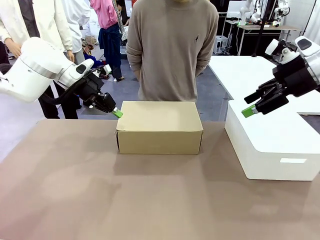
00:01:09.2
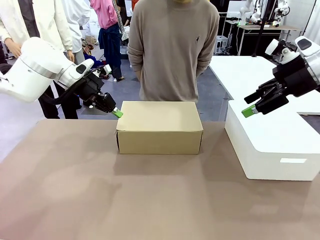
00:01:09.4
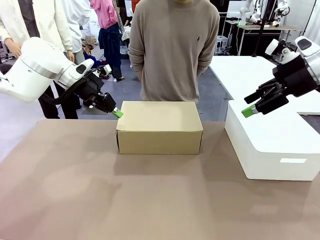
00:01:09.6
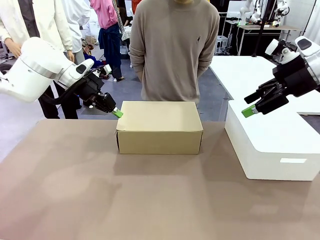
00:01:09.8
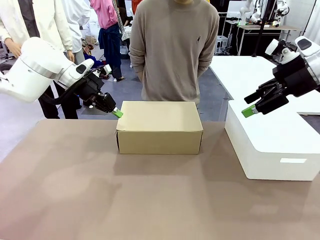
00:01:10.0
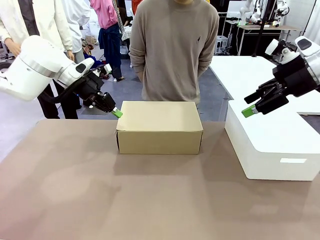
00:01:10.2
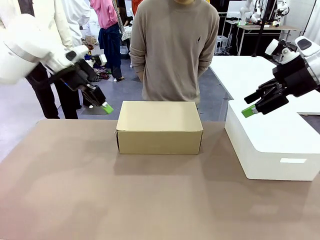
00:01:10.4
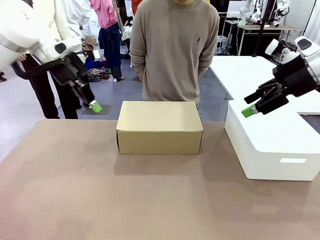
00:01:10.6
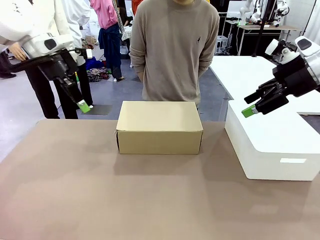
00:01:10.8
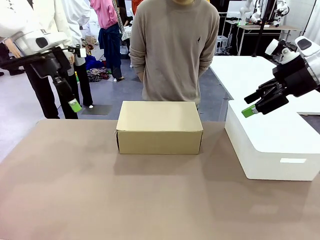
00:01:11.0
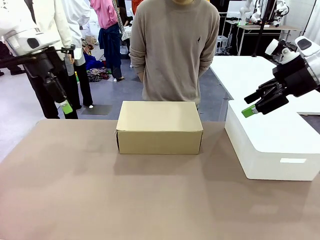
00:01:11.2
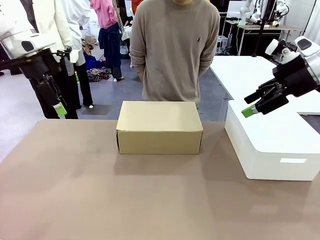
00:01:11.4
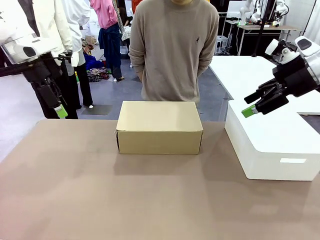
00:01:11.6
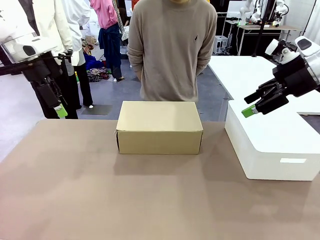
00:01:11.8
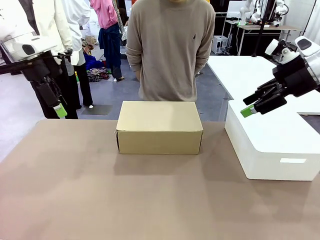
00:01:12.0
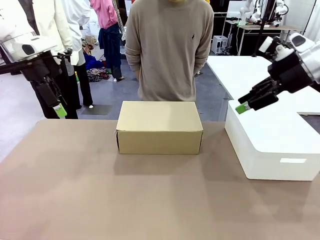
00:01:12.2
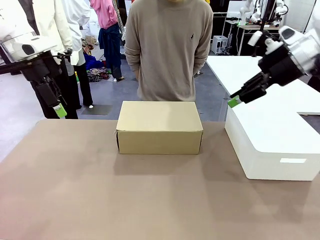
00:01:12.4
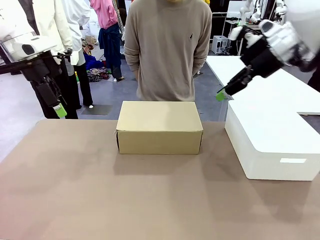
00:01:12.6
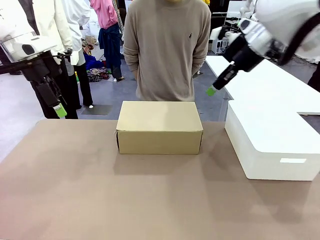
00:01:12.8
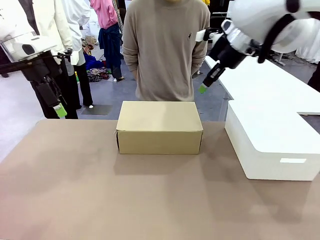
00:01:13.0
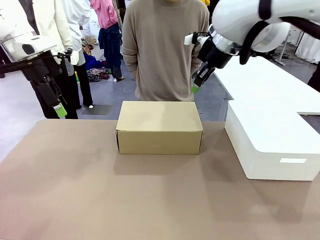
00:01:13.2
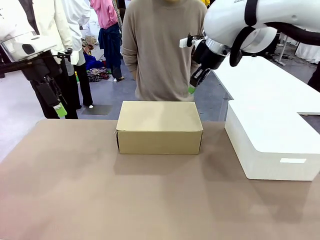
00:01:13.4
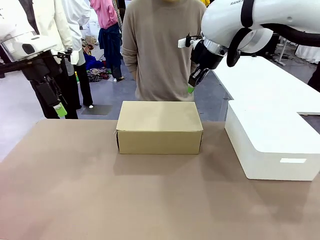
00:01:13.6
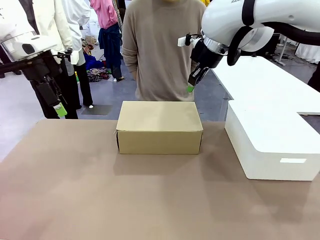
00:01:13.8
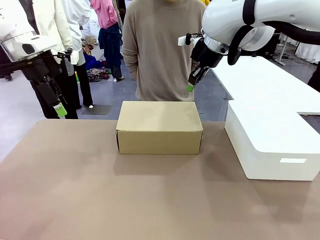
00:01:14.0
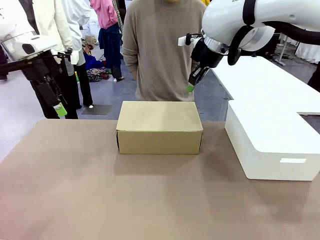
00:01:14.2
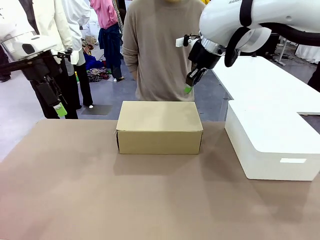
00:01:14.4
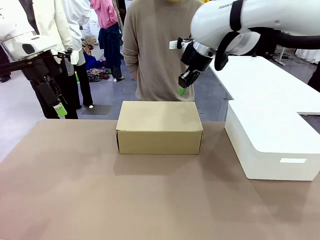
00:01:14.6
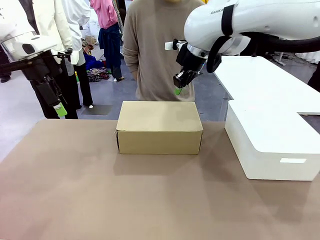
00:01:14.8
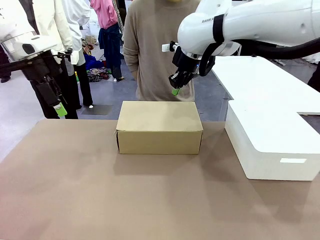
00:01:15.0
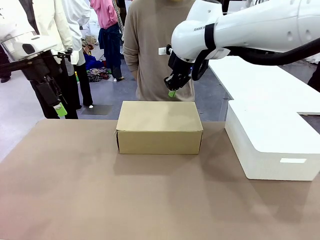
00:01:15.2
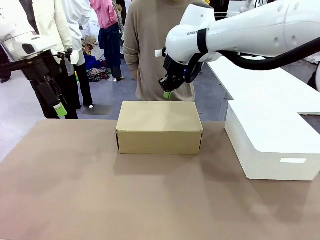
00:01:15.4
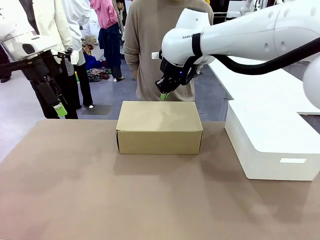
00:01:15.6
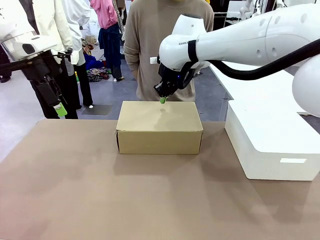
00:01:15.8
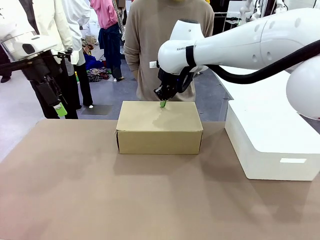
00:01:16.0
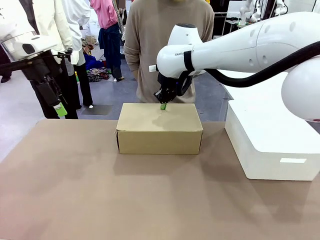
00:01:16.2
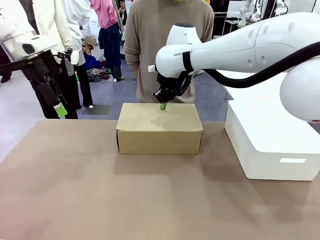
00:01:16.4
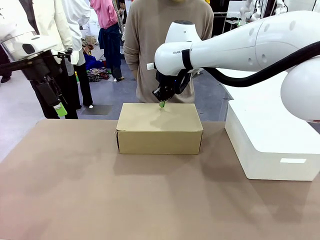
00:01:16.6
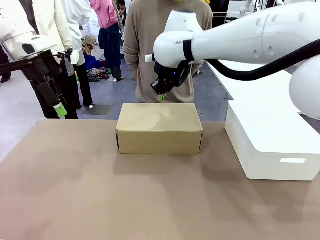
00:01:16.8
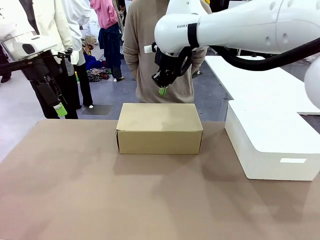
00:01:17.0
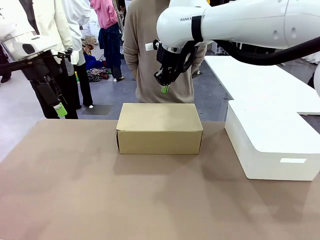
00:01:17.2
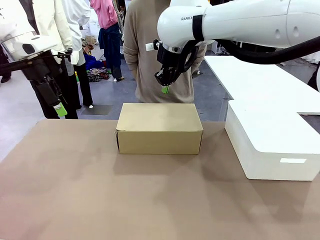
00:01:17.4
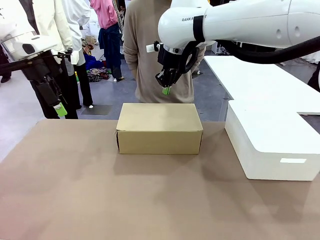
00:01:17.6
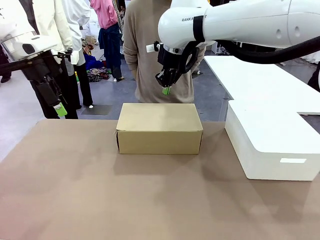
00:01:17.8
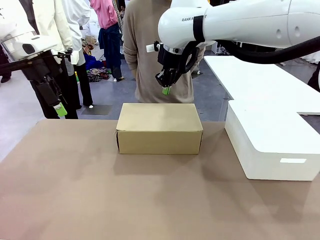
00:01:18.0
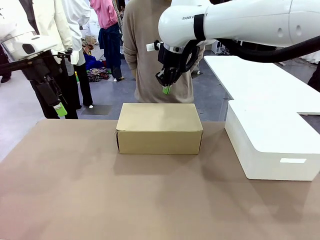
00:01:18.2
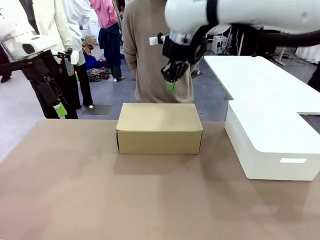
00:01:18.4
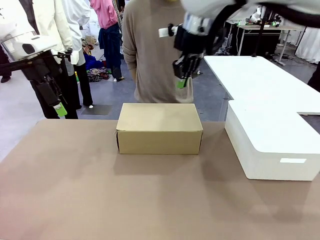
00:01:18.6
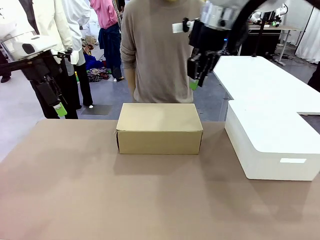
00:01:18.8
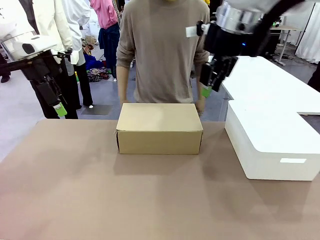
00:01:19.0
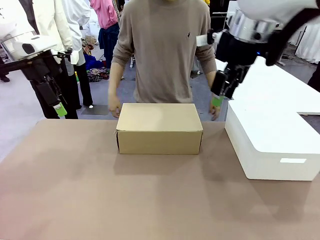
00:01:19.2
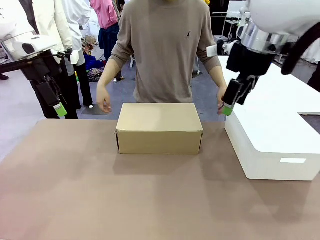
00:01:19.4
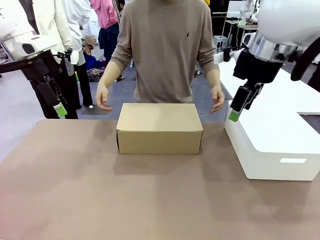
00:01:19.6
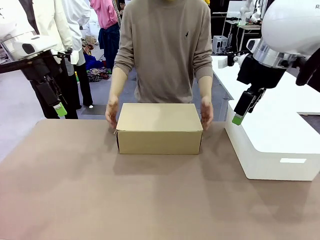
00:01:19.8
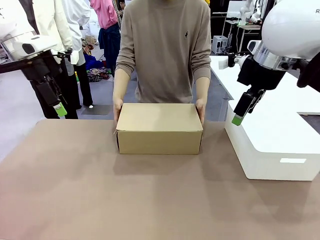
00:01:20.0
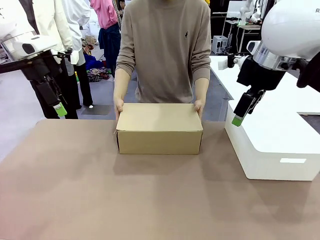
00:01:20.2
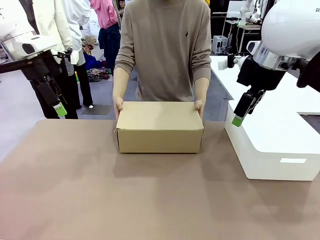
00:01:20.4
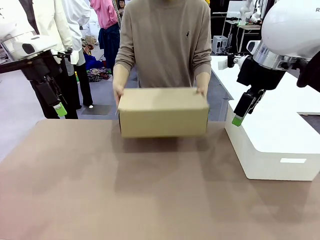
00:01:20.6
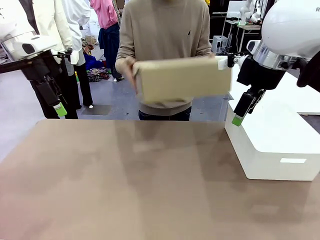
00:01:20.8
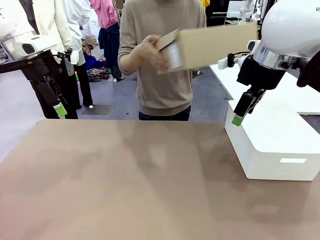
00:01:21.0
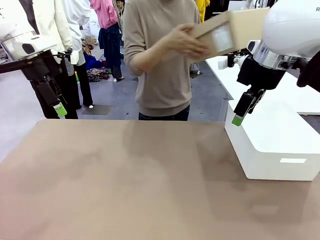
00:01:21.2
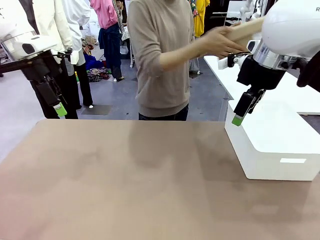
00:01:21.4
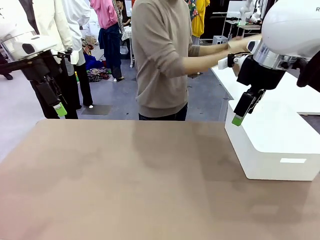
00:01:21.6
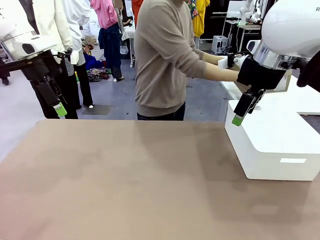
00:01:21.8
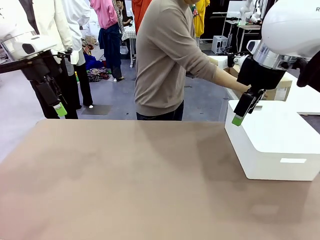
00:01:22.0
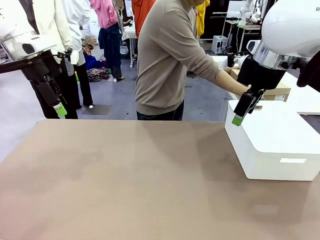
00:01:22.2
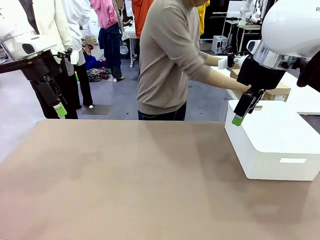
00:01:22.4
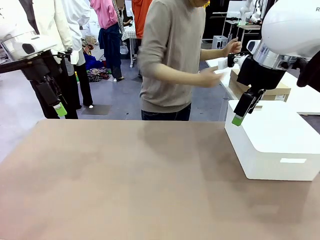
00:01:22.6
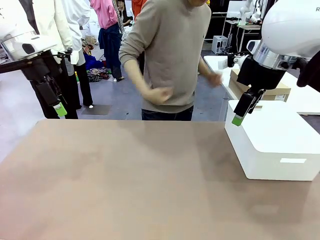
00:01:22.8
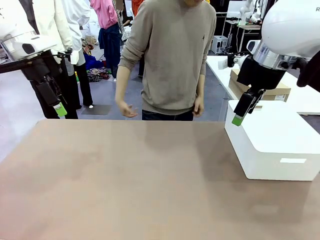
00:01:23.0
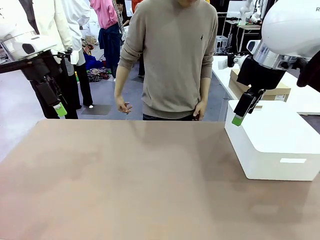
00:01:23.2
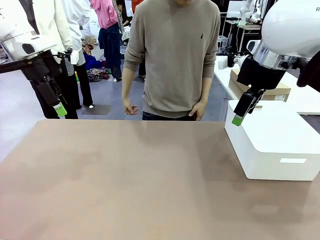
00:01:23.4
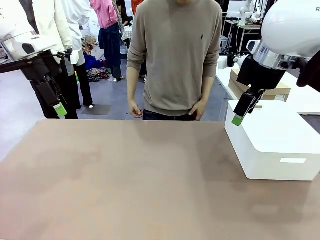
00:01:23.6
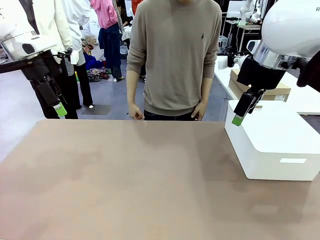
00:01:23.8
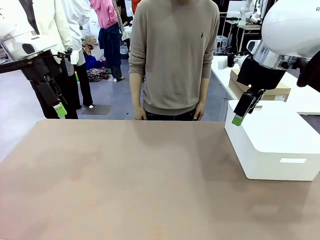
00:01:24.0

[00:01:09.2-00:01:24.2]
Task: Pack the shoes into the box.
Robot: Press down on the lid of the Shoes Box.
Person: Place the closed Shoes Box to the right side of the human table.

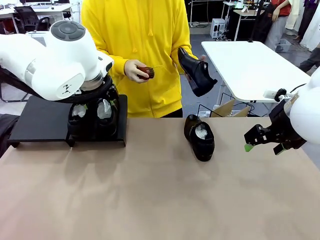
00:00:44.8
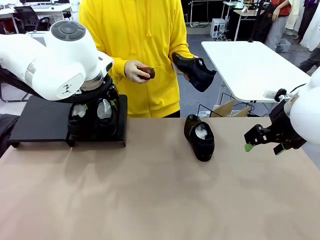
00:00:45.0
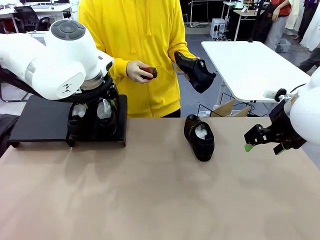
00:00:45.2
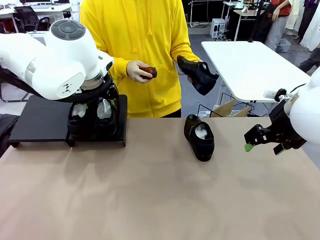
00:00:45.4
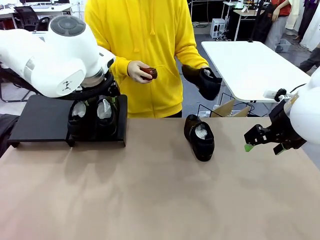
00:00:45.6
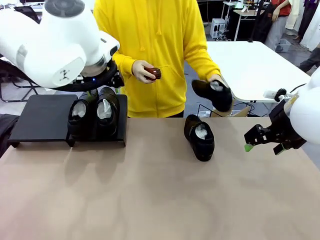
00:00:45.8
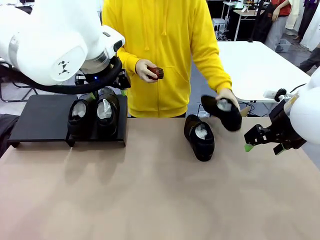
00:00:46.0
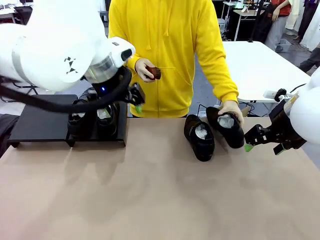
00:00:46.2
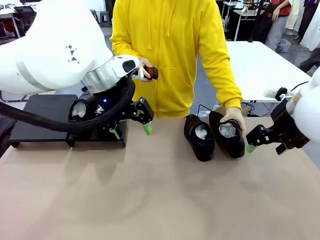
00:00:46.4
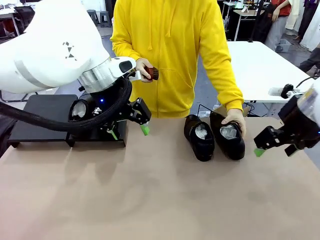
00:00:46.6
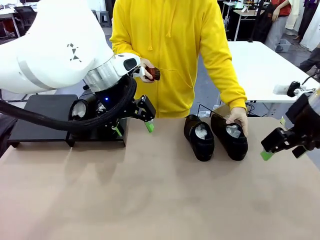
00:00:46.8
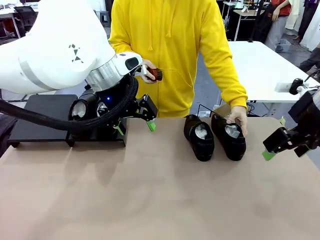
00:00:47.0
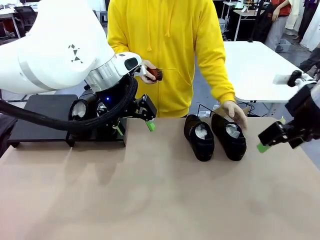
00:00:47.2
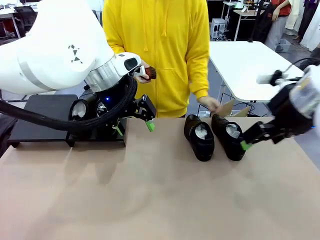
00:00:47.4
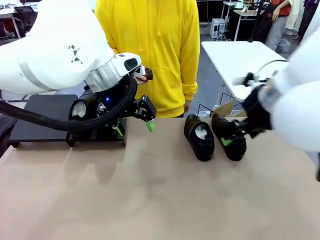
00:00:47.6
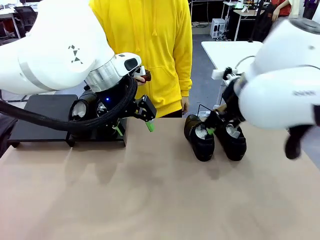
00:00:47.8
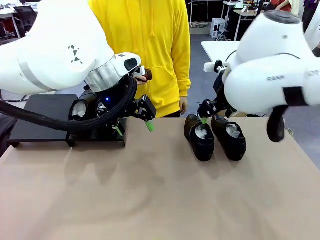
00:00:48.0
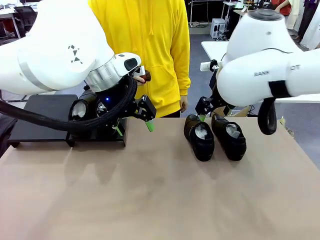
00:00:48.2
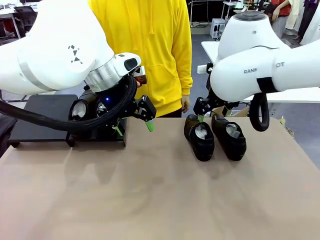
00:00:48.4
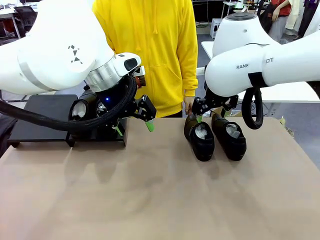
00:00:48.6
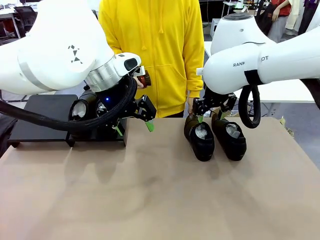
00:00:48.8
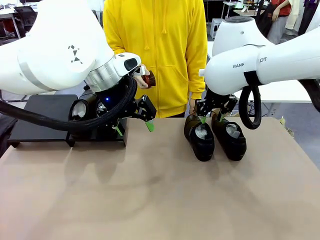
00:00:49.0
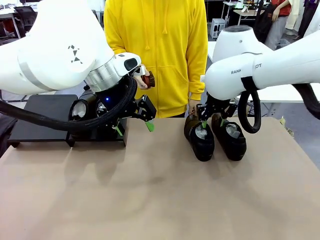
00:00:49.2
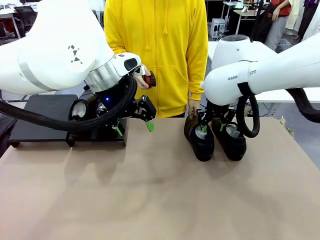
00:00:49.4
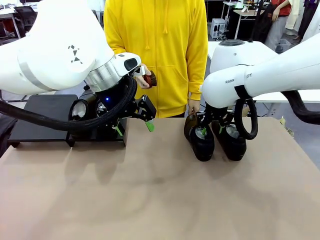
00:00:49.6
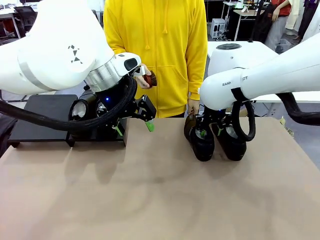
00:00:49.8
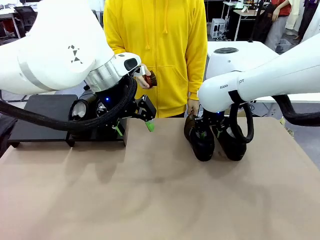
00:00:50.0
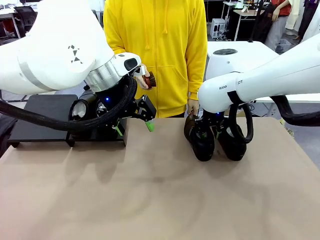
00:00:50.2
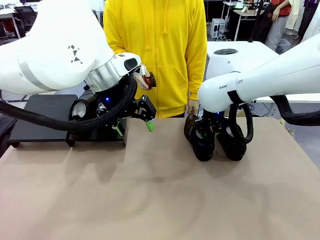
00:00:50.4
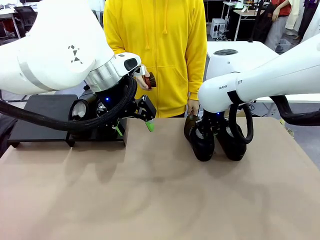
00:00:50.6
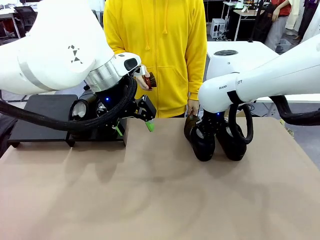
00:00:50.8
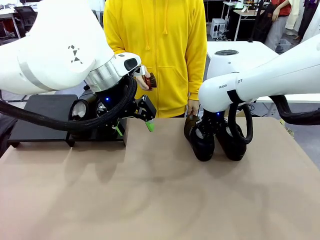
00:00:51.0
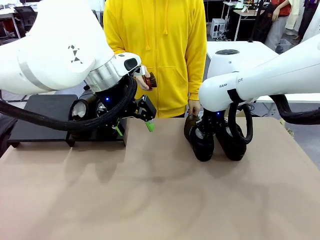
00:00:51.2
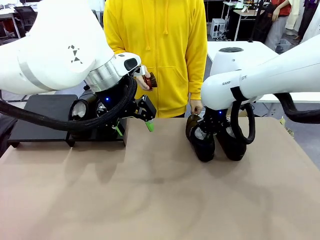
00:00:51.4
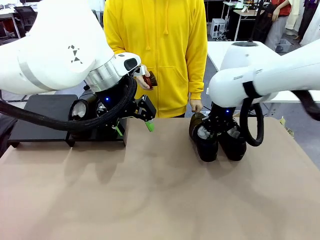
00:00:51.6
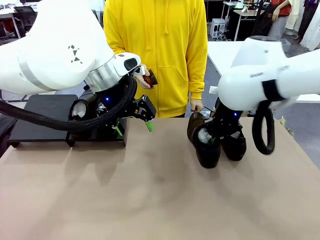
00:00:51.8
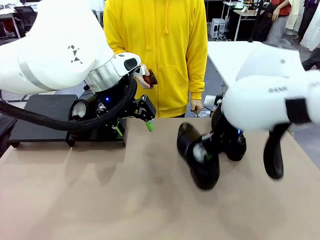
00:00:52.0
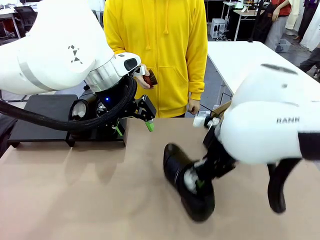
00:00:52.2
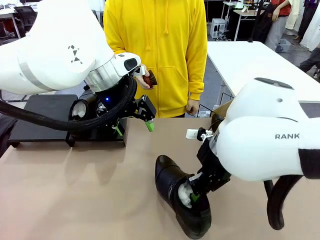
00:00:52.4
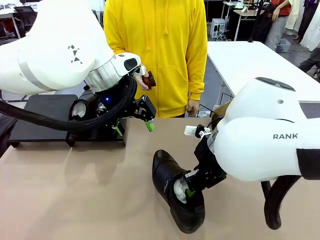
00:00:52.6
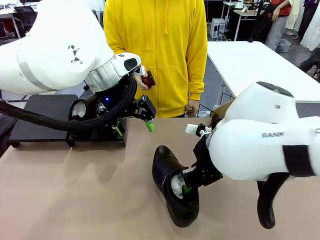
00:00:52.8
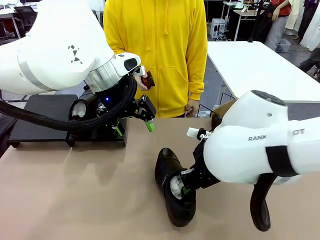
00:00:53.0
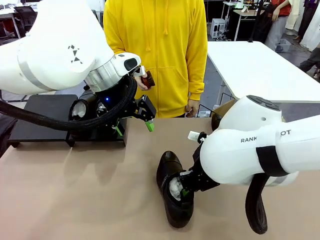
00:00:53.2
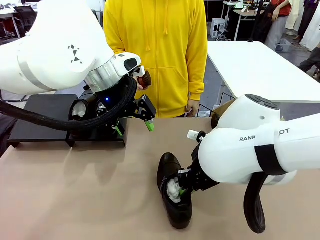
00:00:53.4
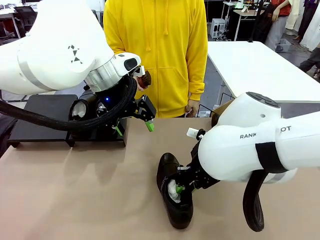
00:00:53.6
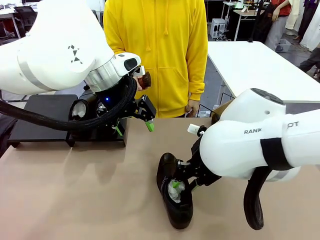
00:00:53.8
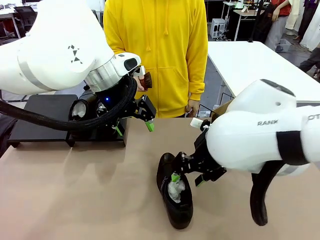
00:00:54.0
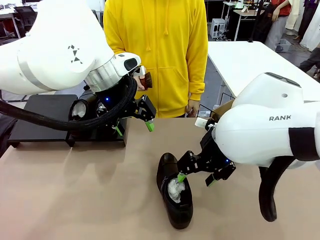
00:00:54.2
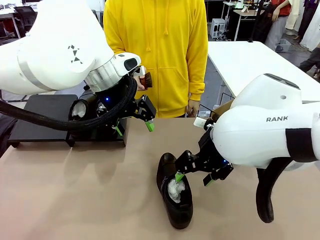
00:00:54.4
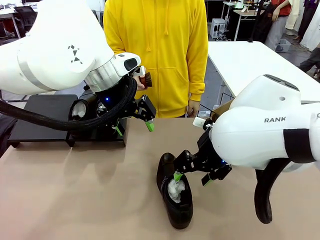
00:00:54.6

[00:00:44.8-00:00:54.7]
Task: Organize the shoes by placing them on the stand.
Robot: Pick up one Shoe and place it in the middle of the table.
